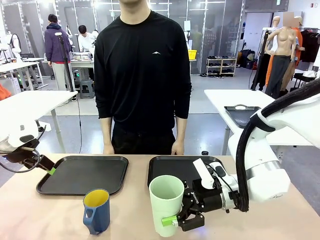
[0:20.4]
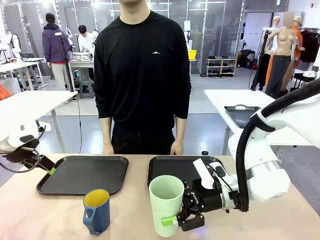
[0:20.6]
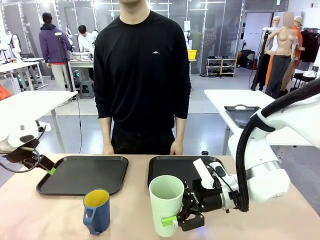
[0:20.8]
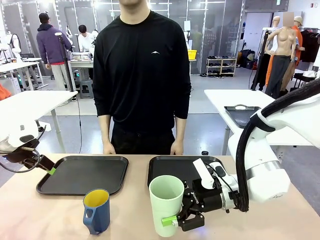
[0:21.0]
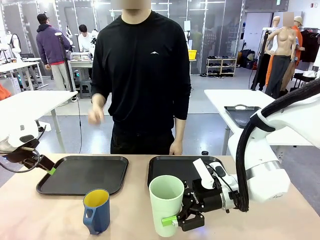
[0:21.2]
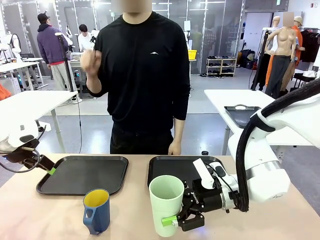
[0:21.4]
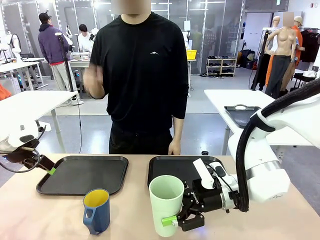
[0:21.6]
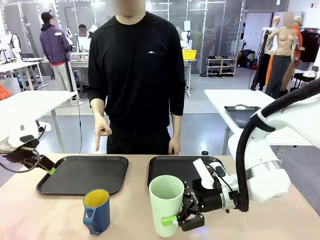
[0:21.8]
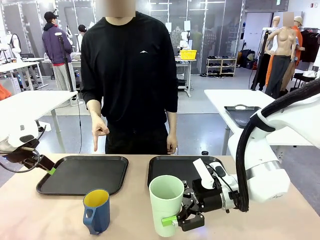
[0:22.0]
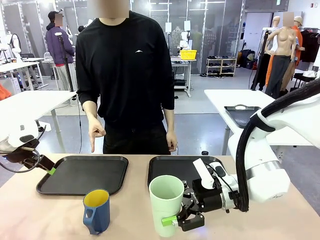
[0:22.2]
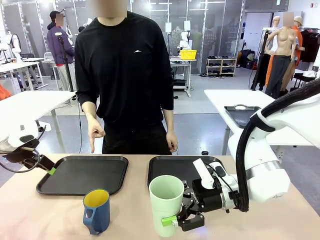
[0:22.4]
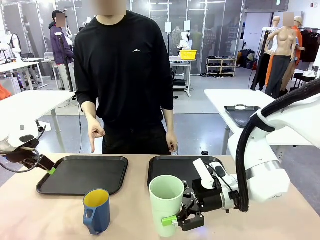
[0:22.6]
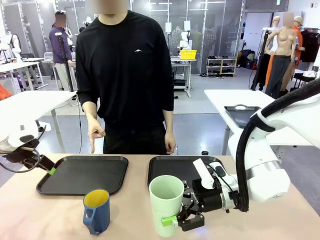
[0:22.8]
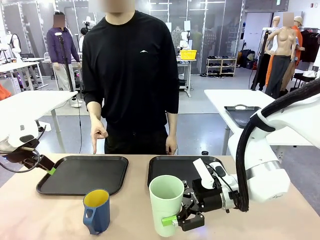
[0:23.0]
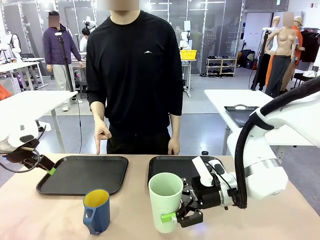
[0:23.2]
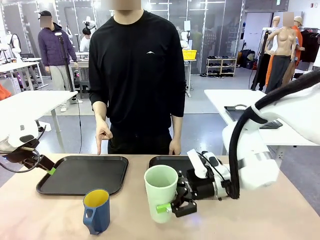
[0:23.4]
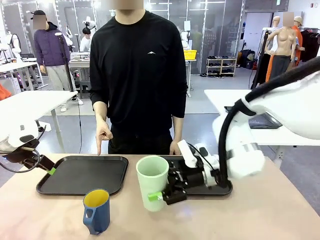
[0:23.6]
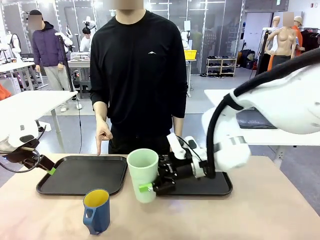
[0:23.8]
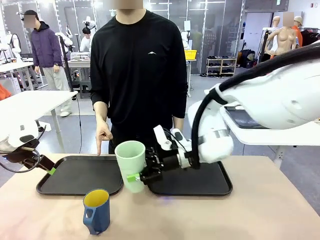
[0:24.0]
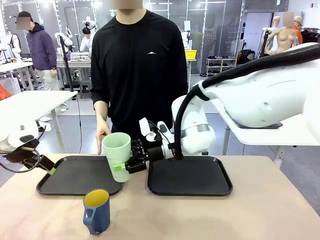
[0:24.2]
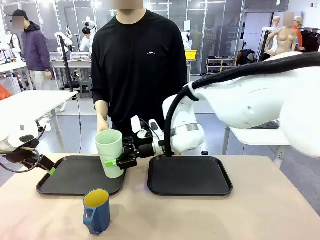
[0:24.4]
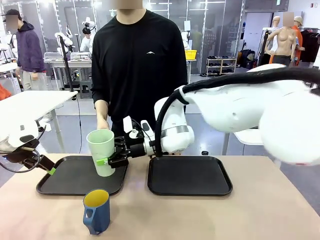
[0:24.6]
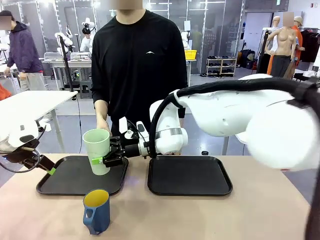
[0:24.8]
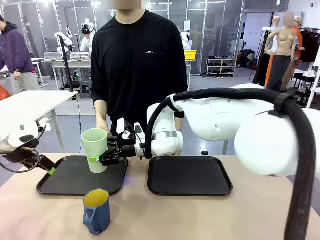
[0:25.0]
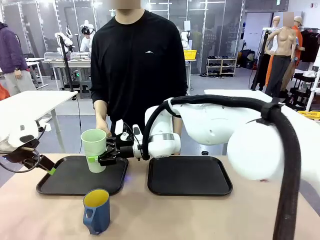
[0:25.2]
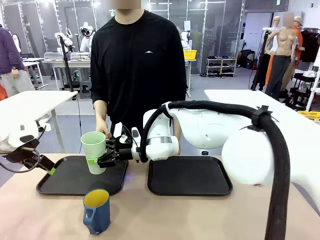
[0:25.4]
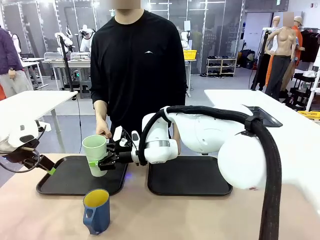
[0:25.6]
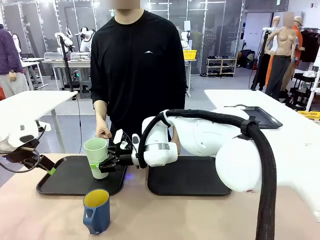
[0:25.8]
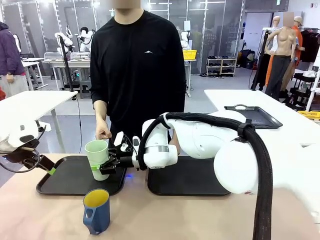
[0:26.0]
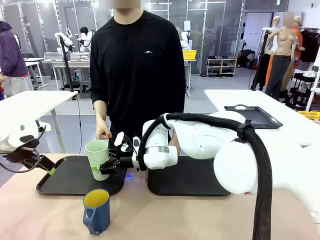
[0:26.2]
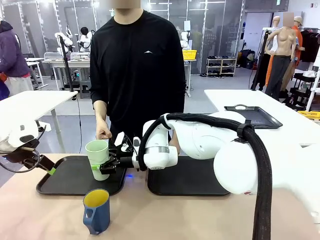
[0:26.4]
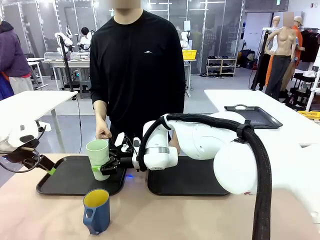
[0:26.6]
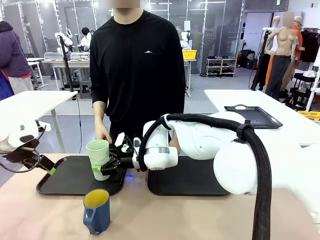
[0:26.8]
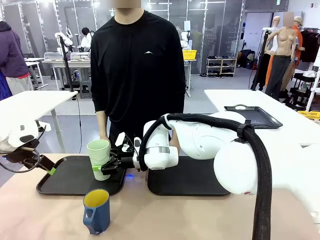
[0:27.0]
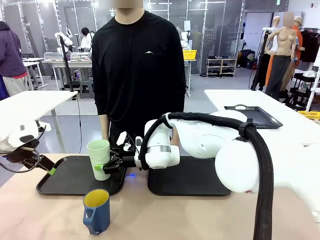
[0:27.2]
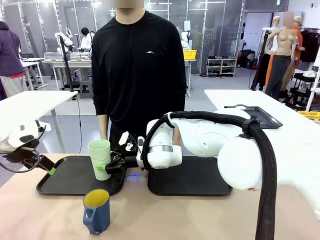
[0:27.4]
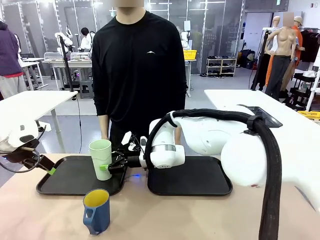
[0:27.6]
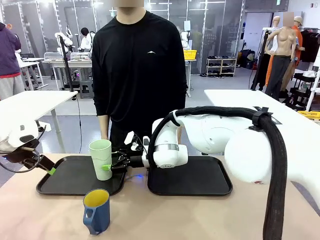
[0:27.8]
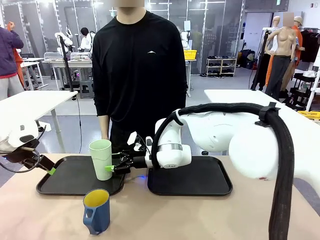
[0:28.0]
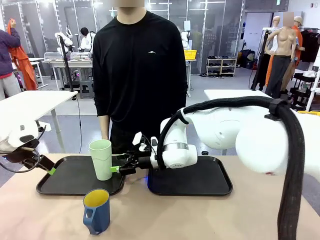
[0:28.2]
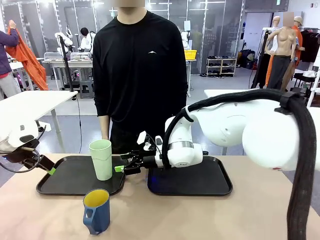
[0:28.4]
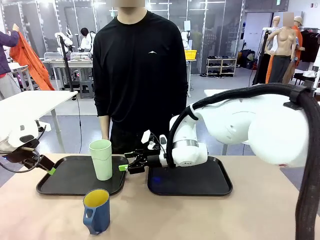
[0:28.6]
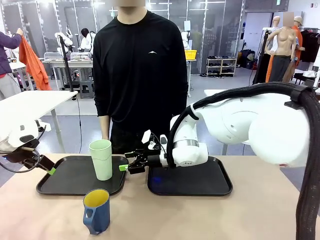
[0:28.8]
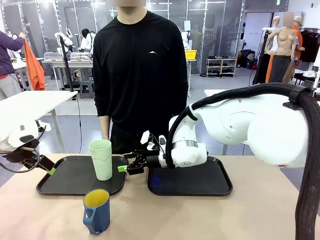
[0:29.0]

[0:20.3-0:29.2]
Task: Sort and store the cups by type.
Robot: Place the picked Reusable plastic cup into the Flat Tray indicated by the person.

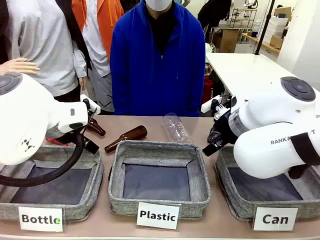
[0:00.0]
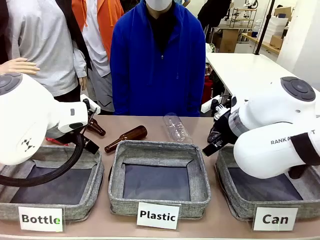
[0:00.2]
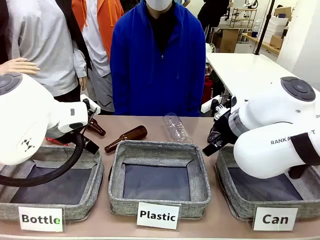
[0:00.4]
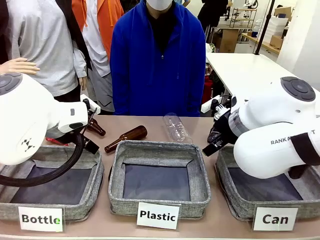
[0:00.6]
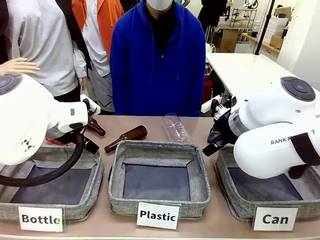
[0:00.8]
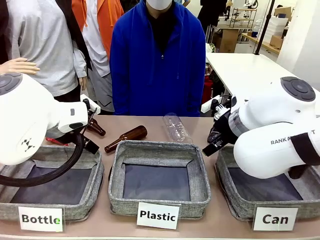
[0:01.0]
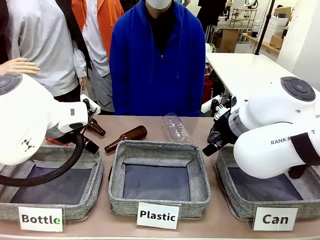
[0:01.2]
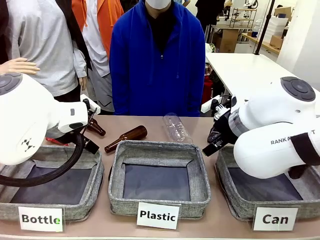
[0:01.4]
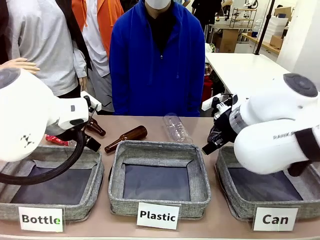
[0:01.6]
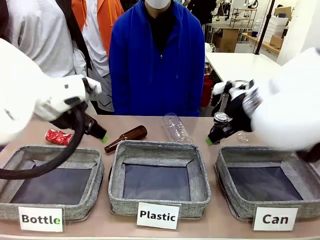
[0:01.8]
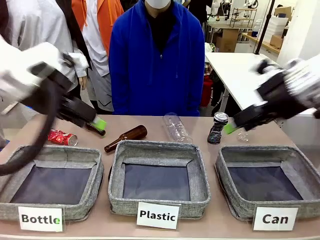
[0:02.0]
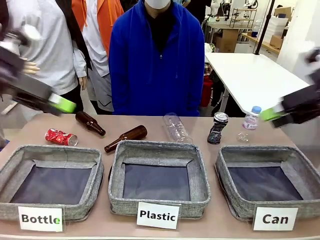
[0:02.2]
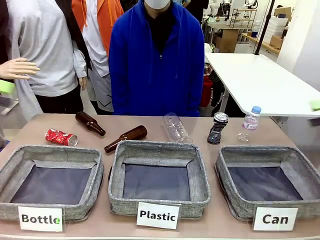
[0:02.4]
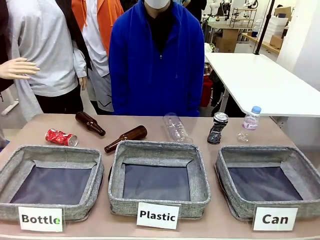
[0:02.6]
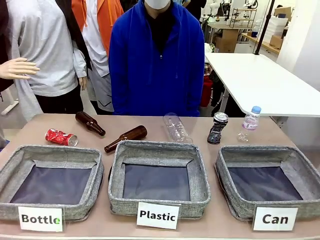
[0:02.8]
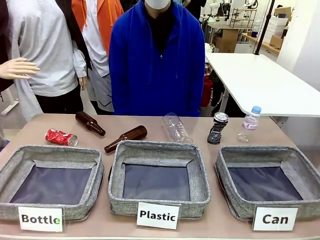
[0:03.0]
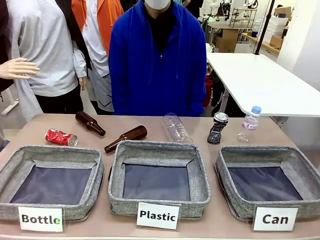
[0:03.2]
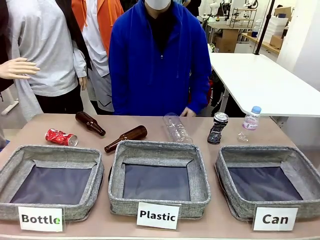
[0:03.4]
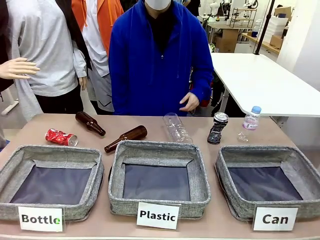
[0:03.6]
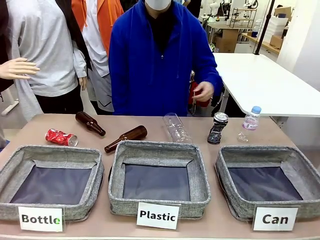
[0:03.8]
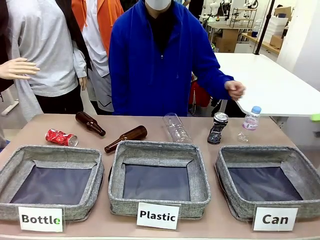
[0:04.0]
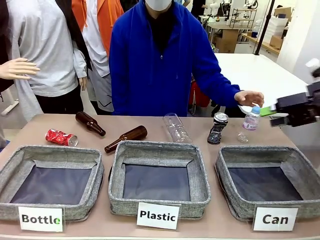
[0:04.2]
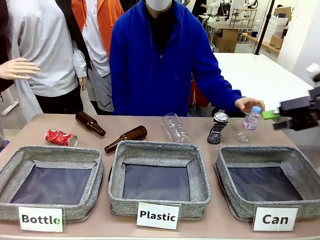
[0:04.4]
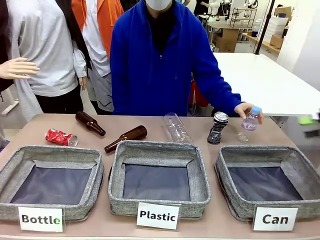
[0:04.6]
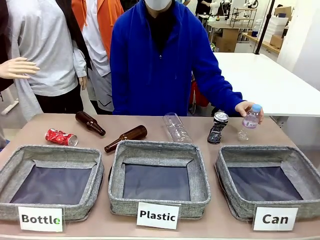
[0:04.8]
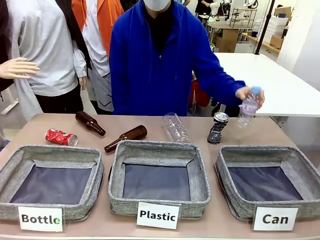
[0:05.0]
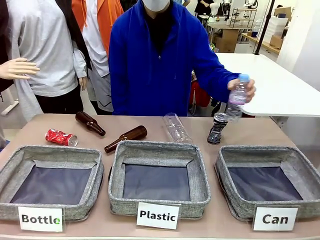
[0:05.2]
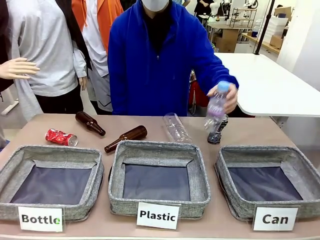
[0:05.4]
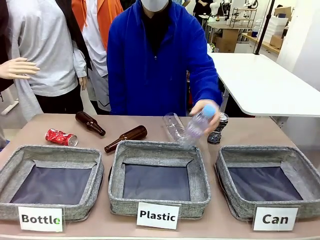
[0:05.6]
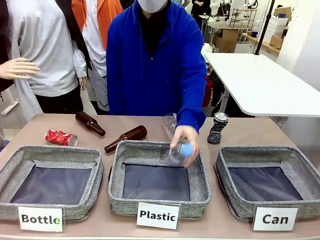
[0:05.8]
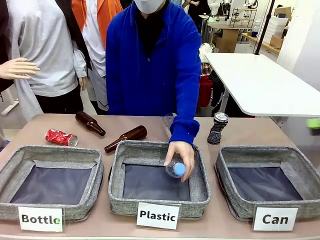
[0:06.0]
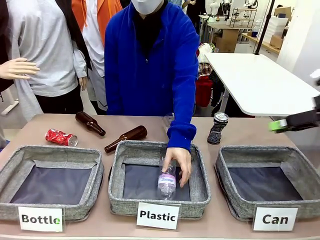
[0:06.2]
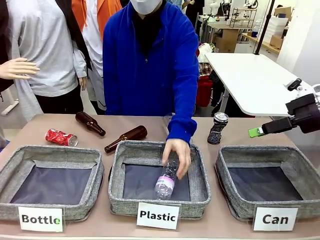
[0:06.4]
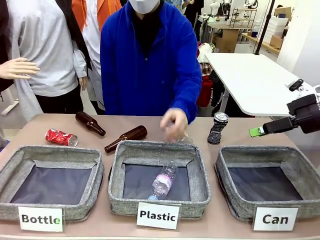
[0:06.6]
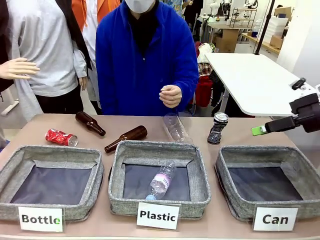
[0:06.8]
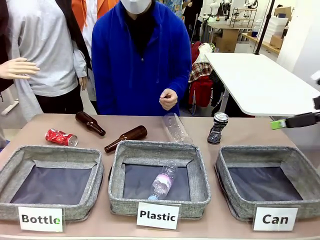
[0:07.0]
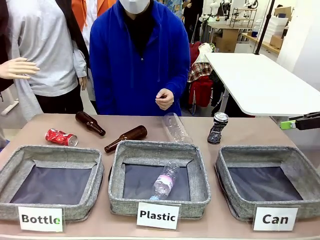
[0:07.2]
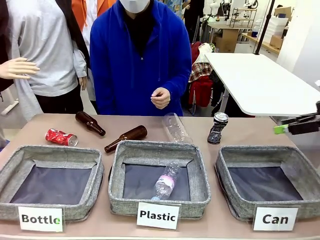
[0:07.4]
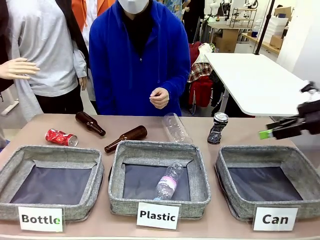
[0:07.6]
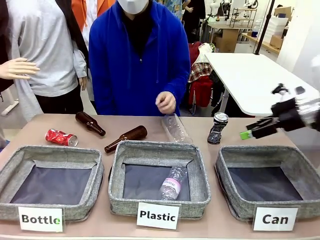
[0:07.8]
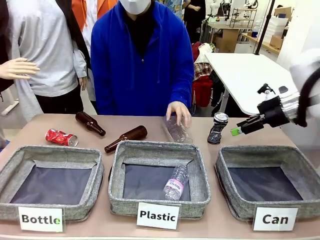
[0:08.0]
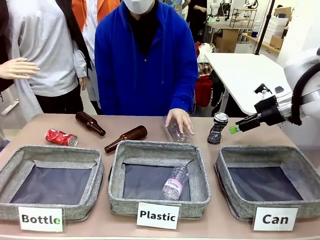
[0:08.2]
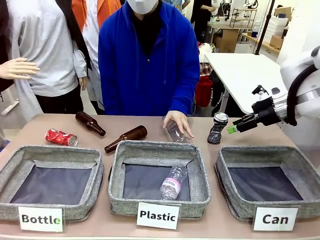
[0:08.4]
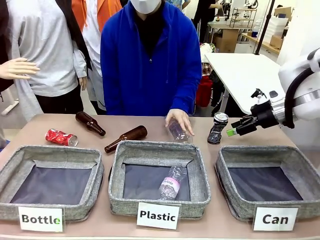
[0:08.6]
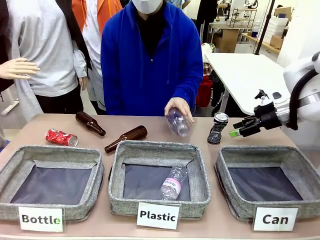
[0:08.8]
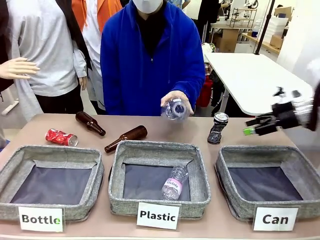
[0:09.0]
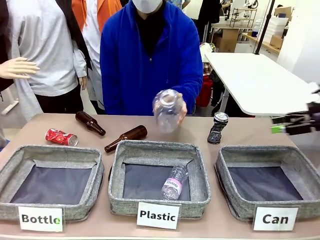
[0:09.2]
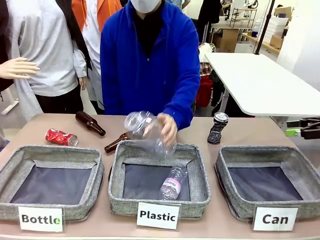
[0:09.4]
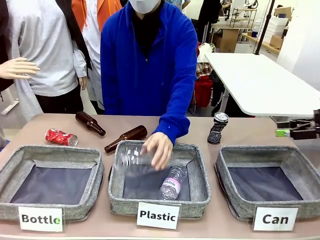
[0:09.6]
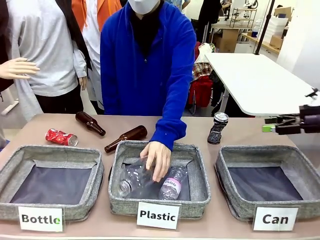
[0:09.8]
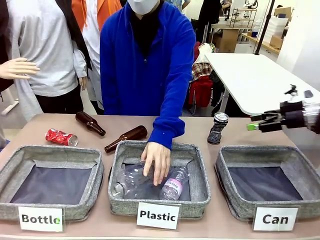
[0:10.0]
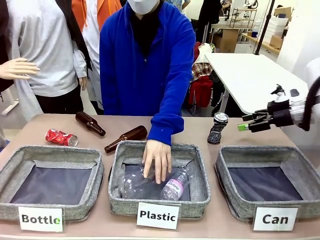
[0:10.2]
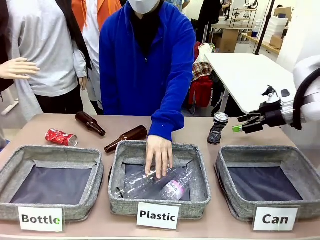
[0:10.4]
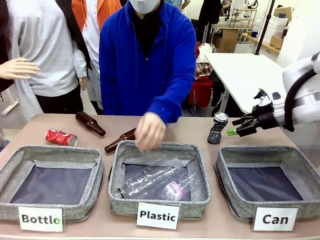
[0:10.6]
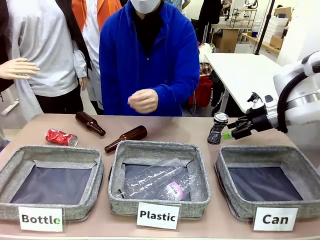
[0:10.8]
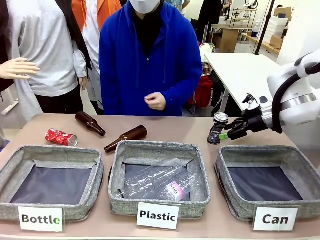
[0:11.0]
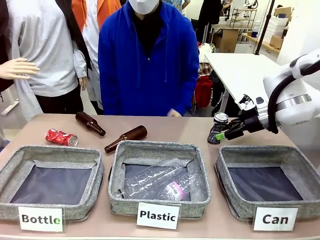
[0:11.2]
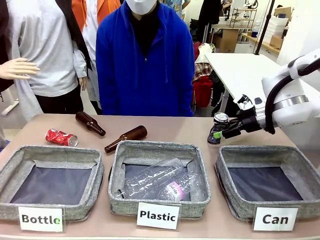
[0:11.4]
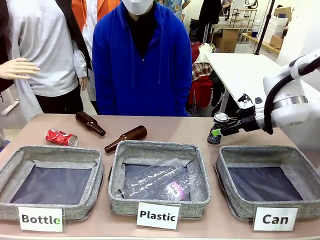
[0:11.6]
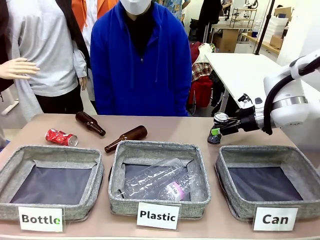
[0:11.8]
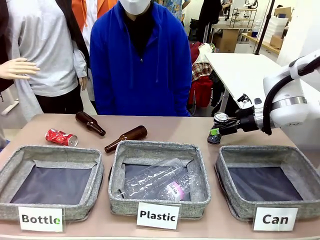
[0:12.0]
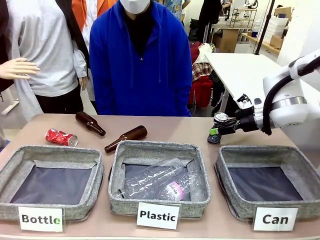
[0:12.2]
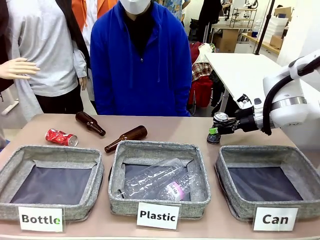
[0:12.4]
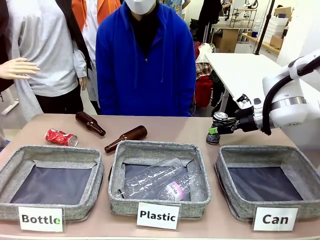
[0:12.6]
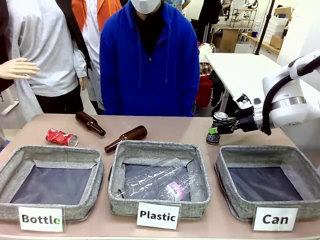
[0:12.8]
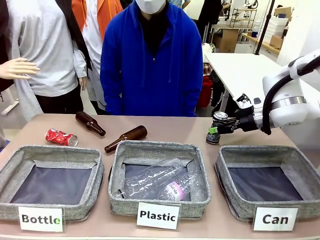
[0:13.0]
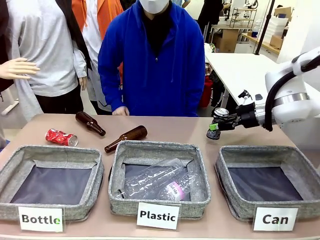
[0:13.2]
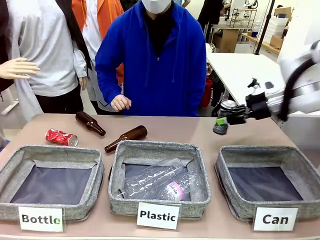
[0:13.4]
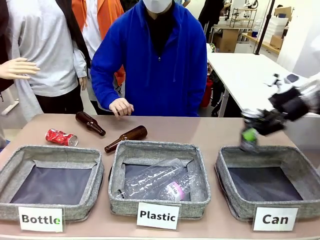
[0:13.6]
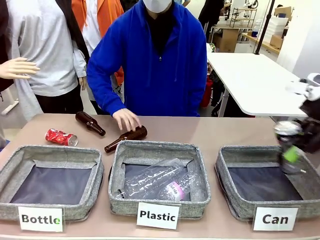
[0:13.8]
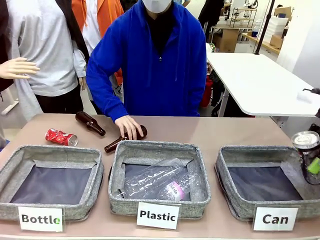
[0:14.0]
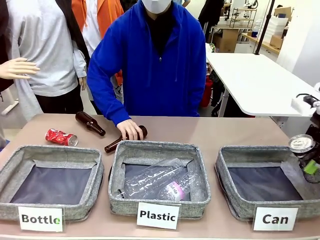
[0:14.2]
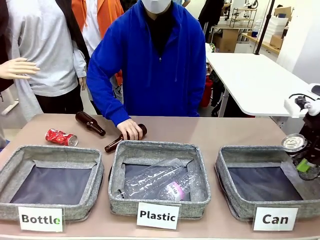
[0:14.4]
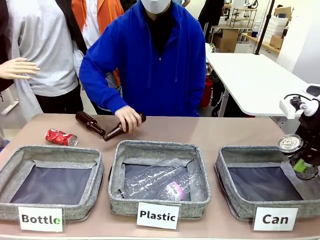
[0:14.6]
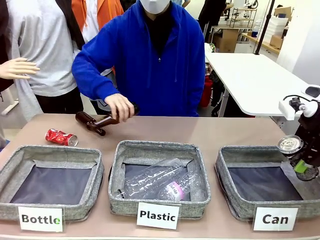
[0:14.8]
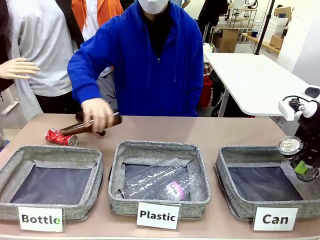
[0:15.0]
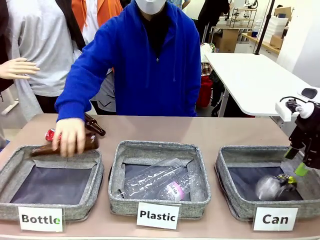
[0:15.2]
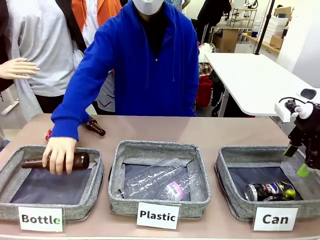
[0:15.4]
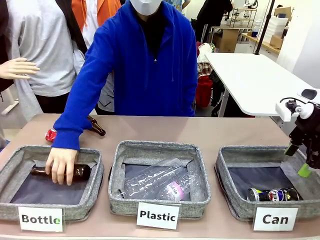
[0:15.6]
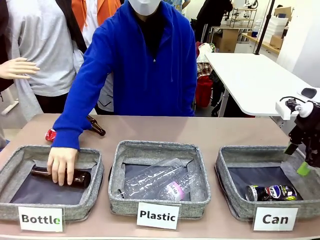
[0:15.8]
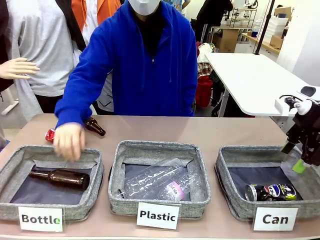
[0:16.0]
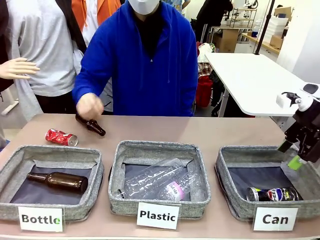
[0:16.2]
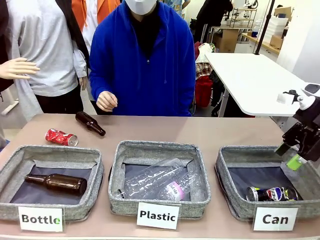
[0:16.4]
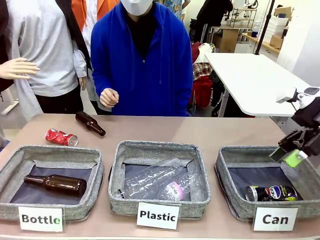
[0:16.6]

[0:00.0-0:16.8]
Task: Sort the can waste into the basket.
Robot: Pick up the can waste from the table and place it in the right Fabric basket.
